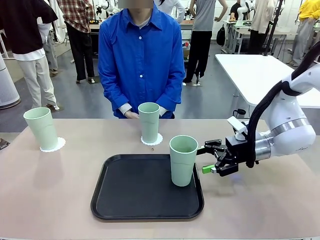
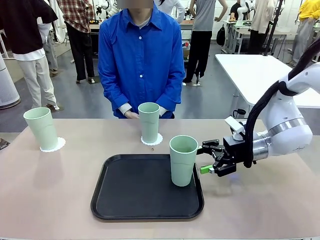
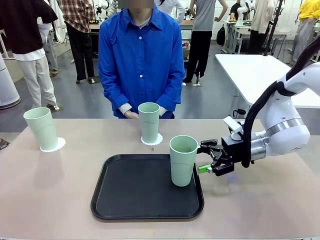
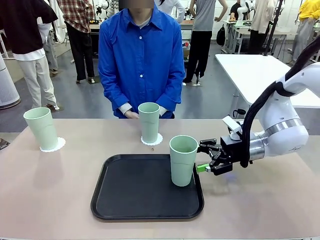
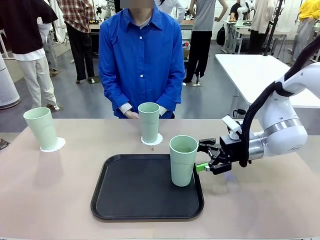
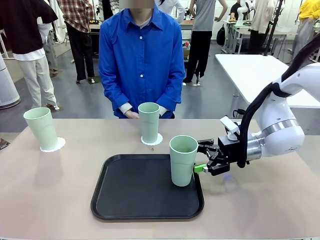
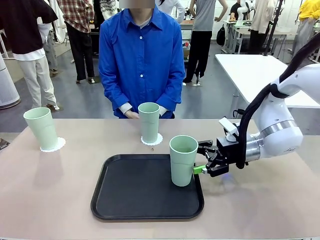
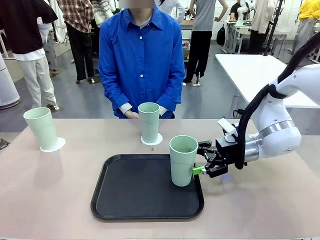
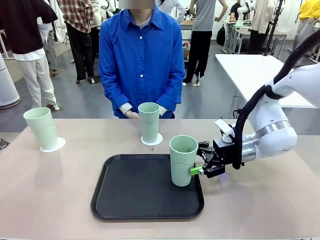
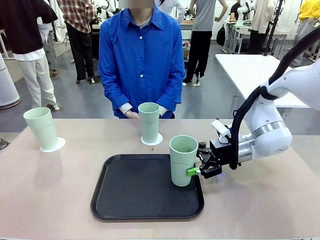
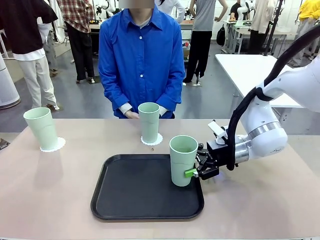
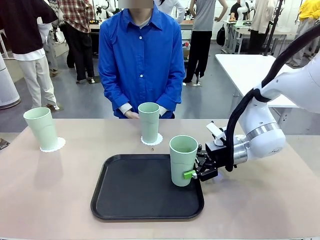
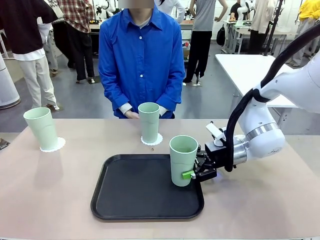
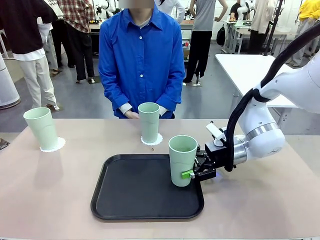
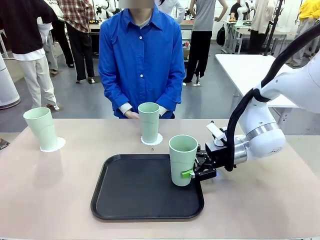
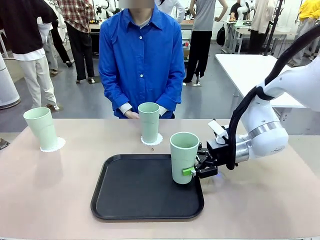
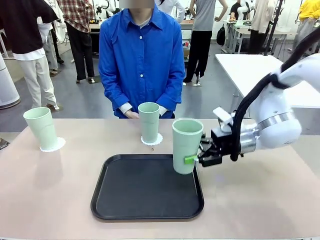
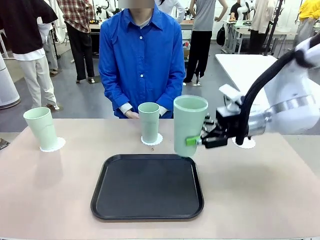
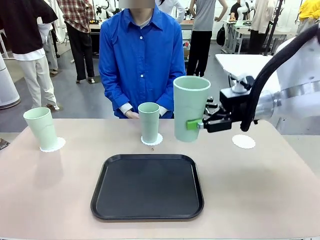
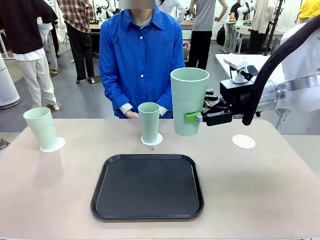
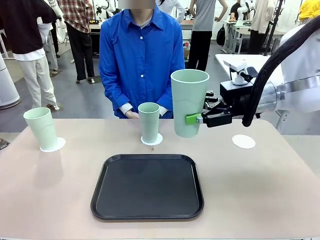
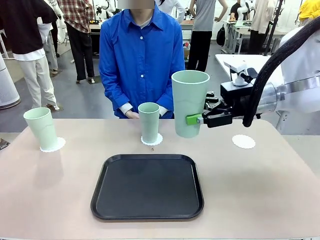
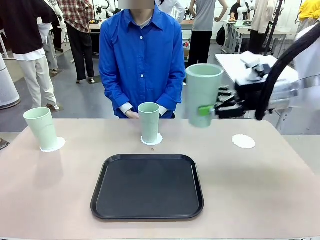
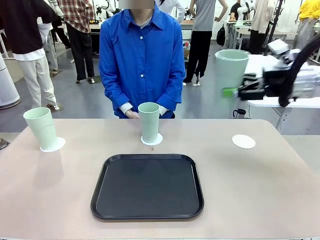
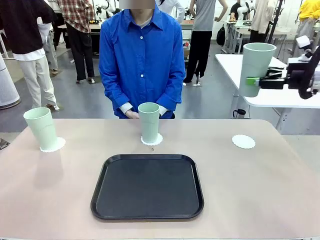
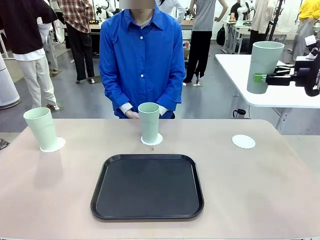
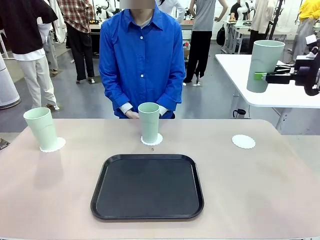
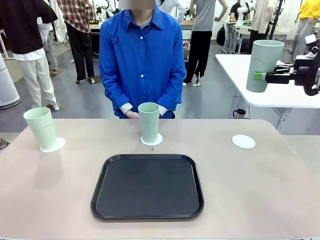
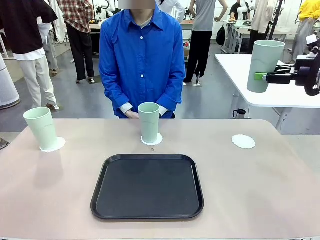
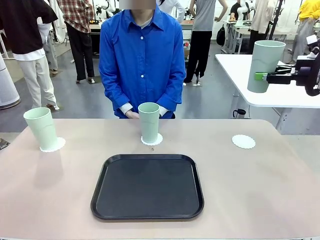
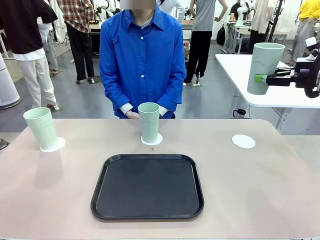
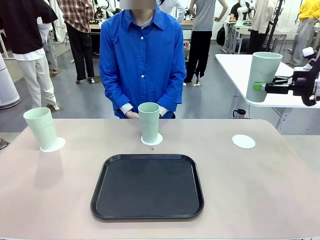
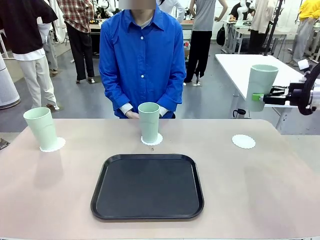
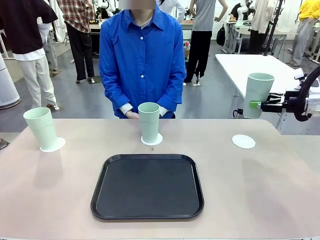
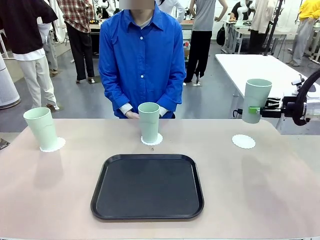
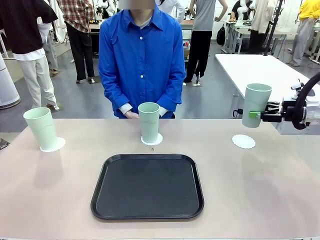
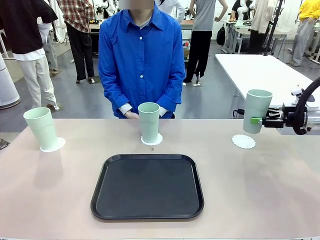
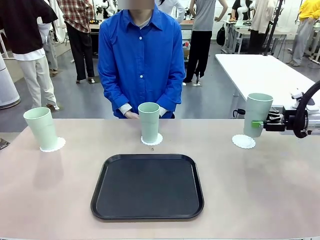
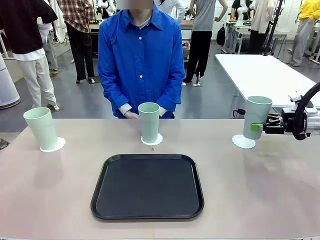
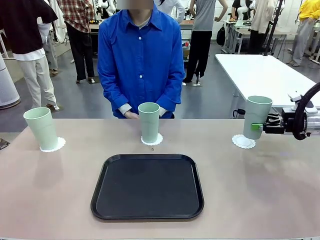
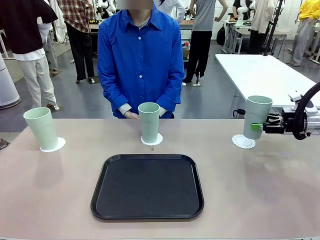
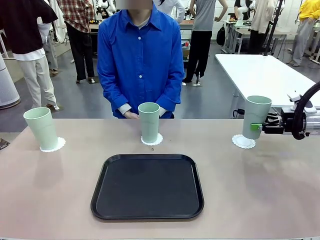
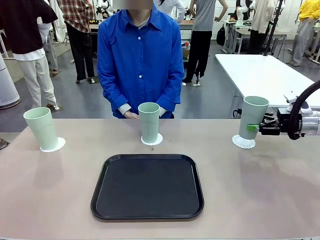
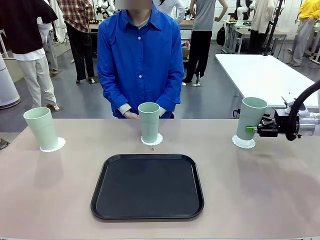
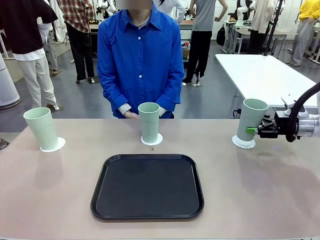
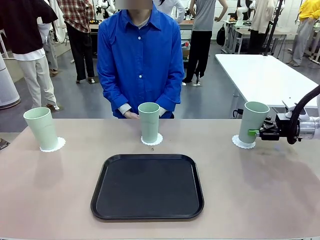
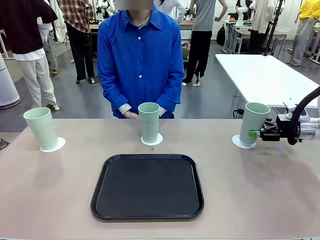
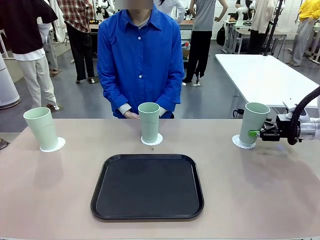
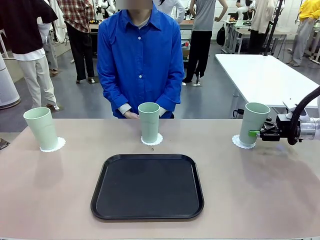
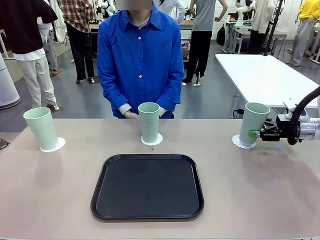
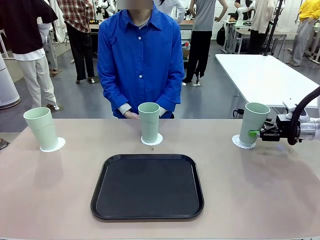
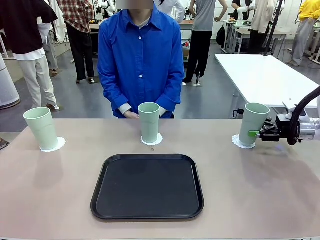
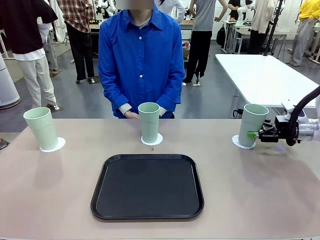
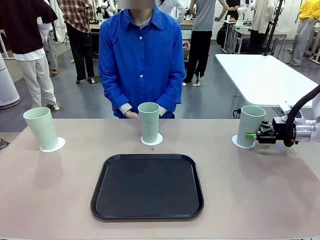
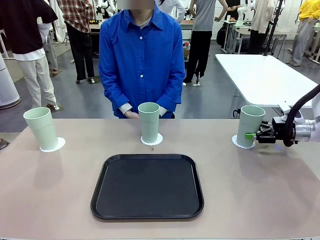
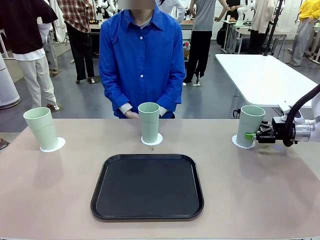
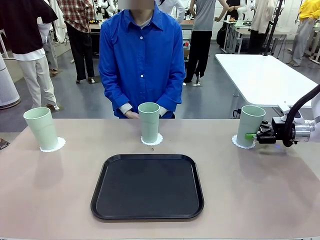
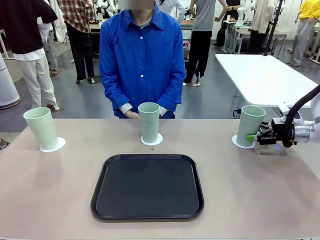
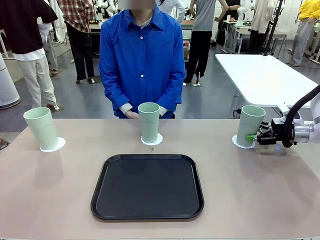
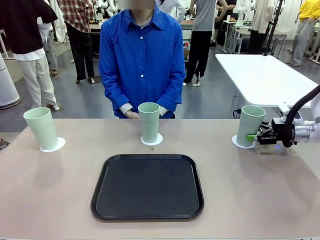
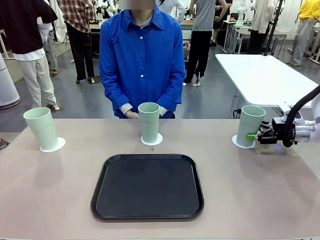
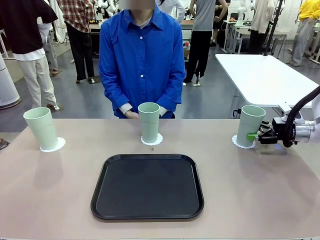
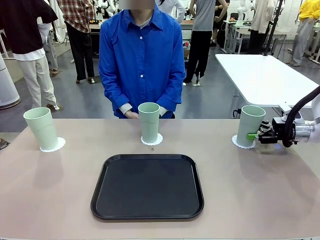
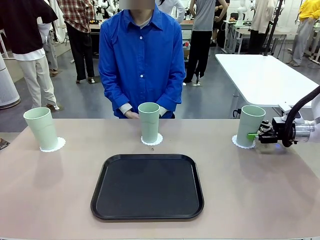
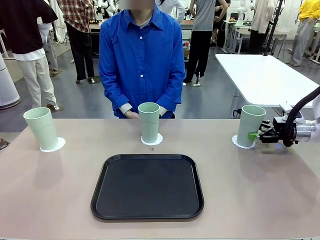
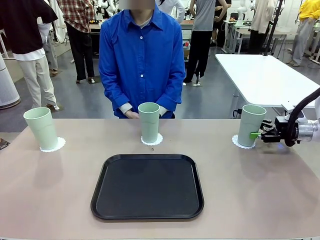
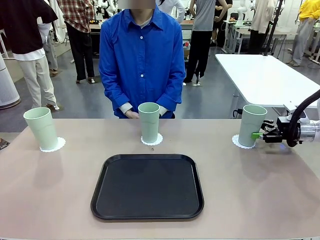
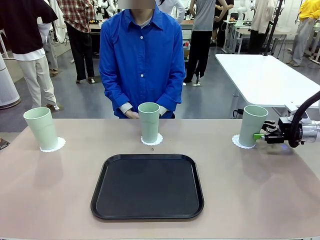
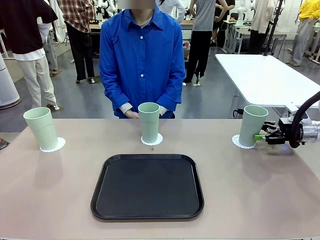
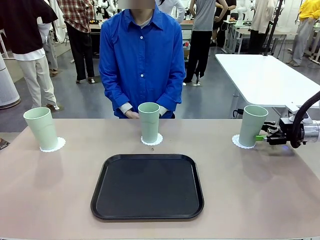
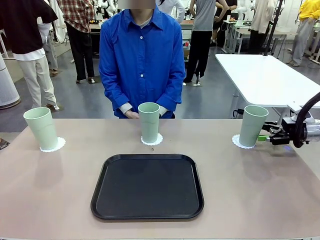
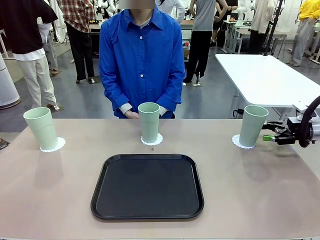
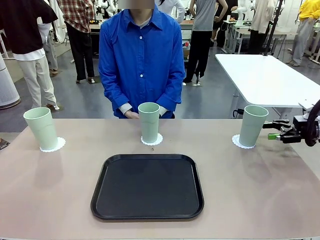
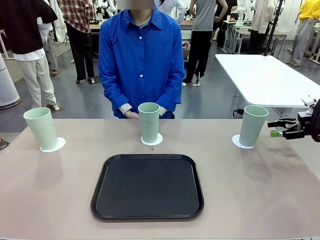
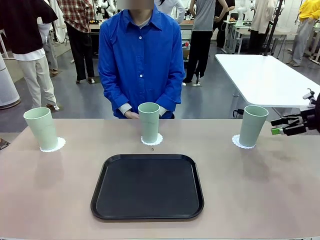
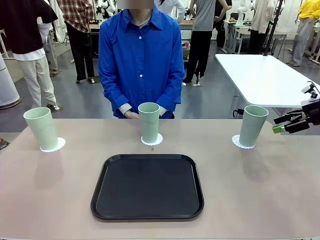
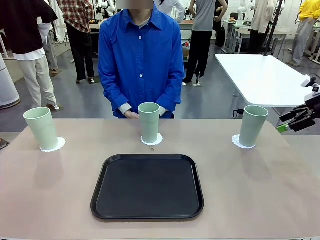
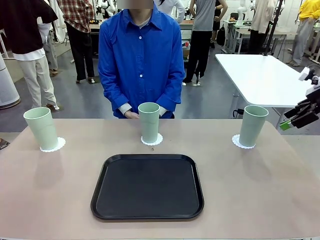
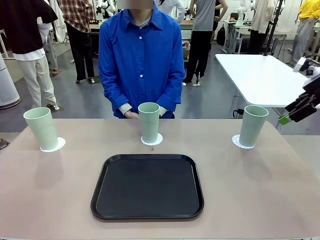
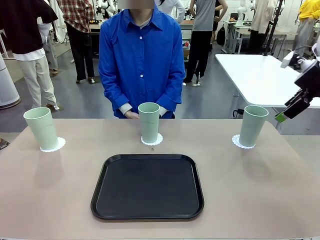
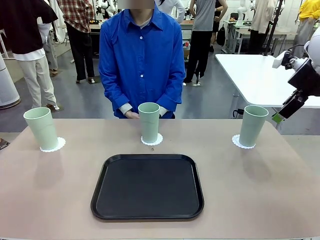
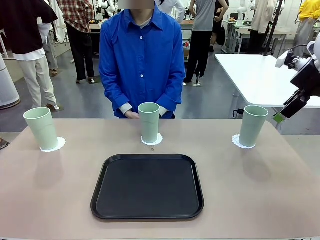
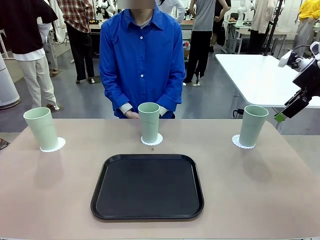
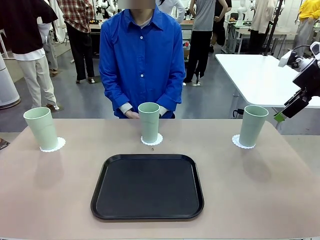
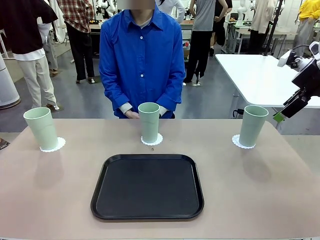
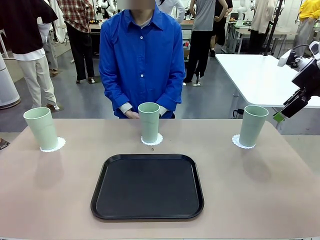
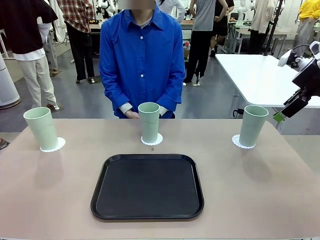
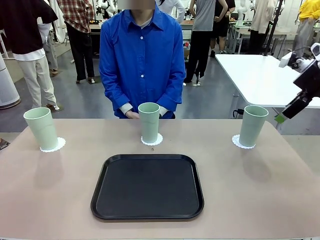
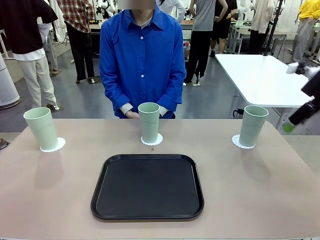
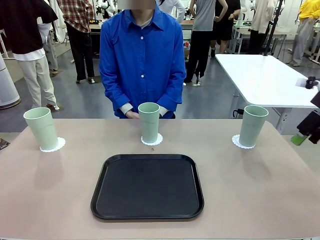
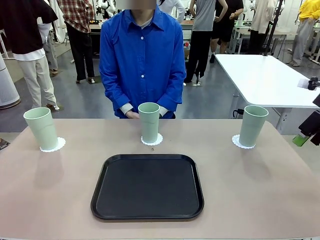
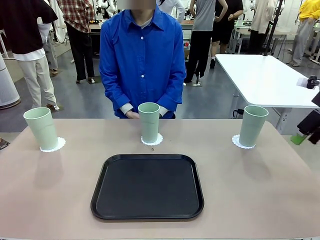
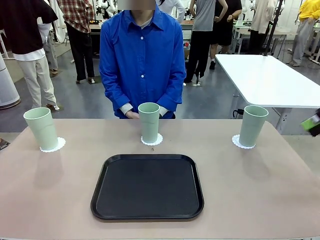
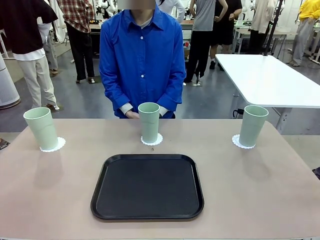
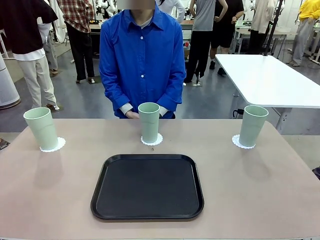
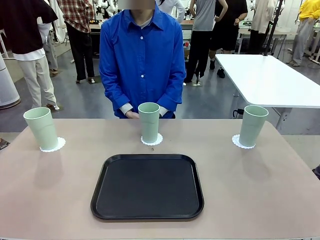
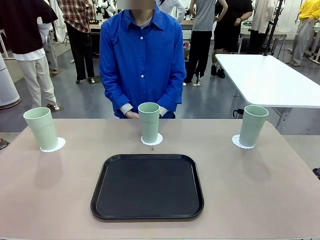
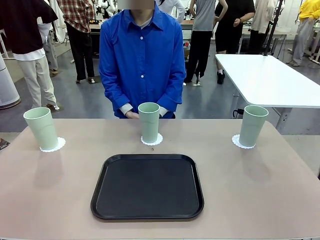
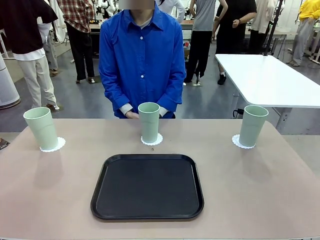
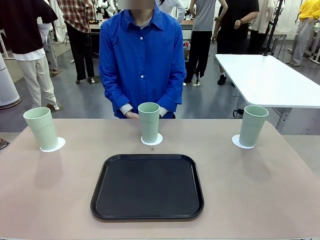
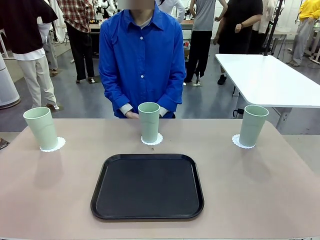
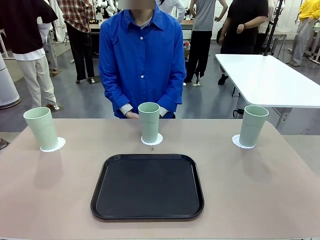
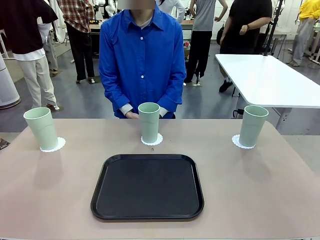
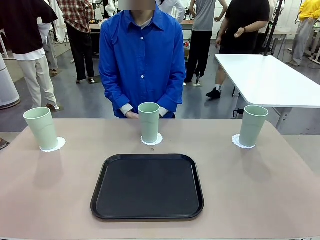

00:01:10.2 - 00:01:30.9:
Task: Place coasters on the table and set cups on them.
Robot: Take one Reusable plastic cup from the Flat Tray and place it on a coaster set by the human.
